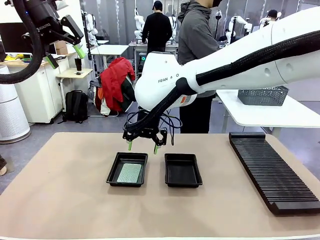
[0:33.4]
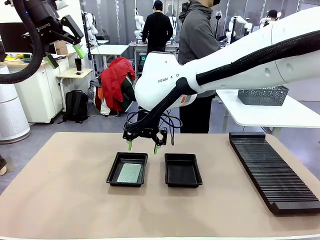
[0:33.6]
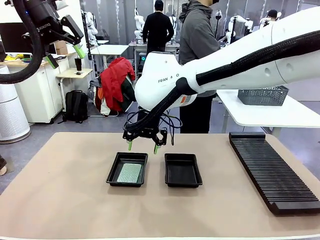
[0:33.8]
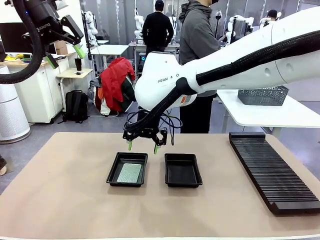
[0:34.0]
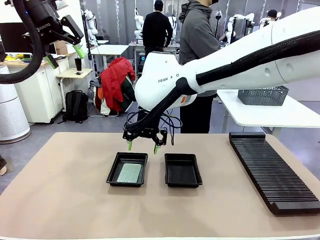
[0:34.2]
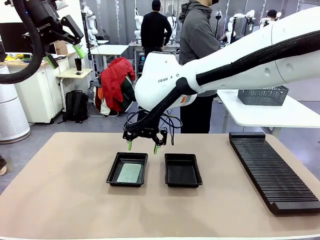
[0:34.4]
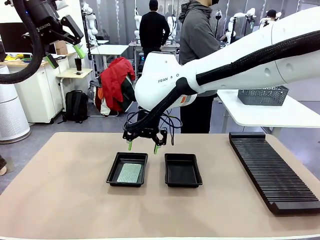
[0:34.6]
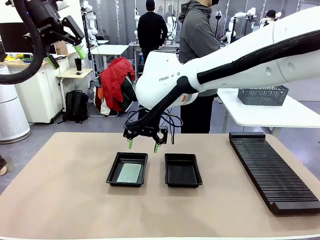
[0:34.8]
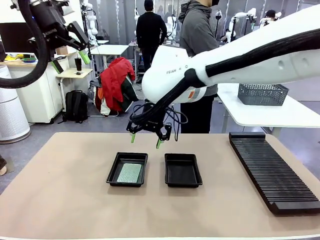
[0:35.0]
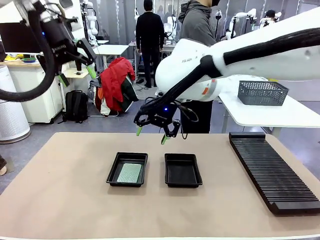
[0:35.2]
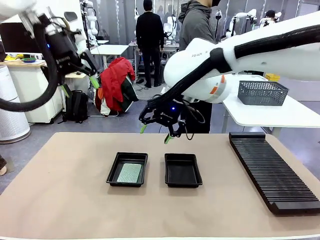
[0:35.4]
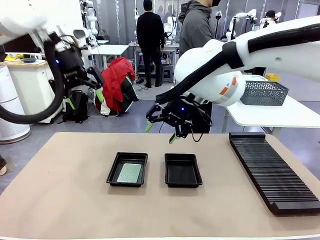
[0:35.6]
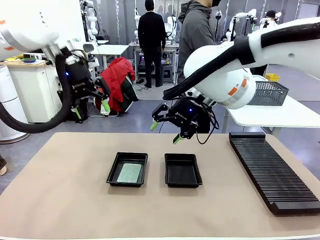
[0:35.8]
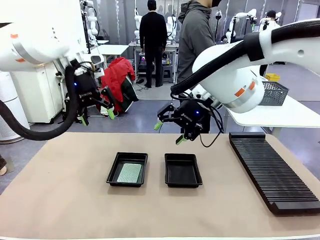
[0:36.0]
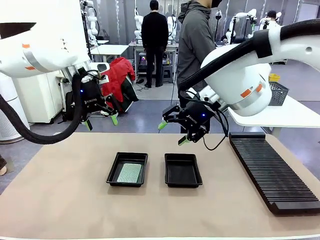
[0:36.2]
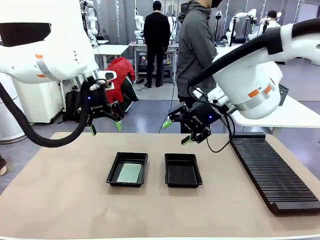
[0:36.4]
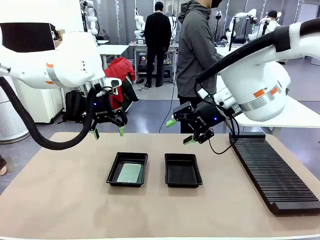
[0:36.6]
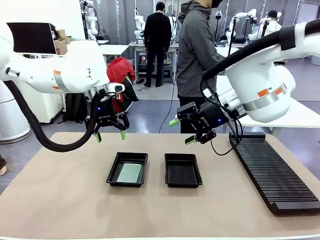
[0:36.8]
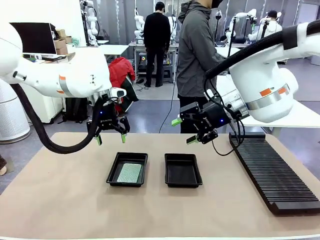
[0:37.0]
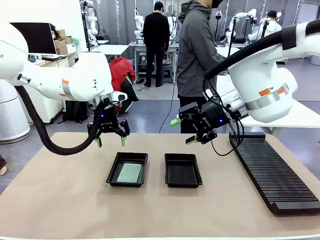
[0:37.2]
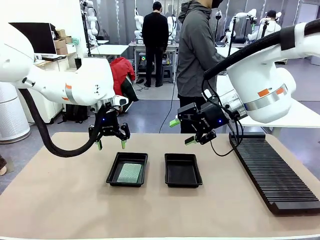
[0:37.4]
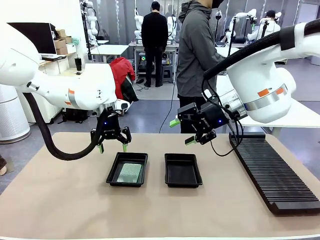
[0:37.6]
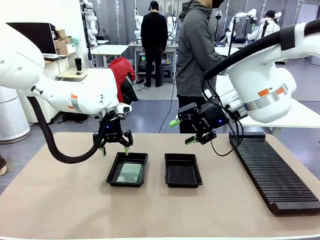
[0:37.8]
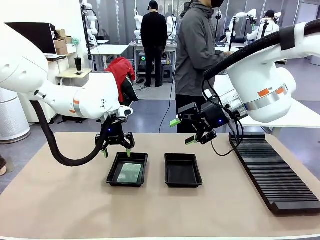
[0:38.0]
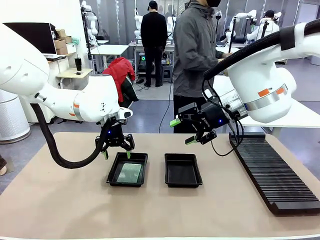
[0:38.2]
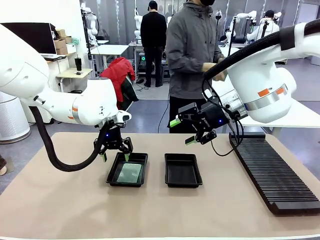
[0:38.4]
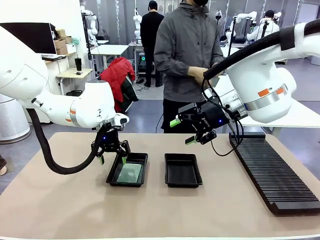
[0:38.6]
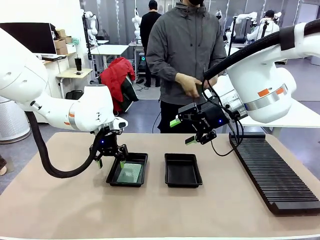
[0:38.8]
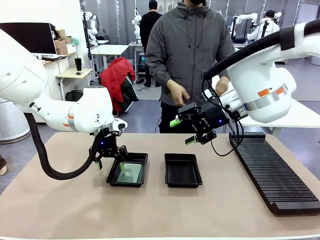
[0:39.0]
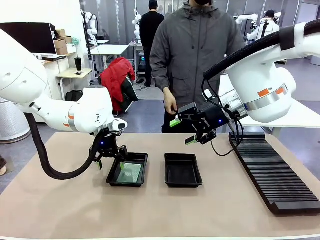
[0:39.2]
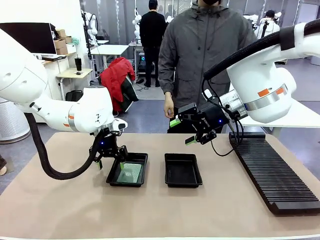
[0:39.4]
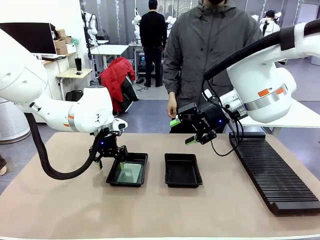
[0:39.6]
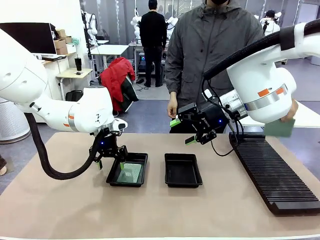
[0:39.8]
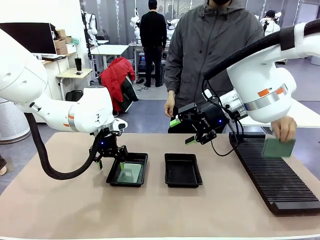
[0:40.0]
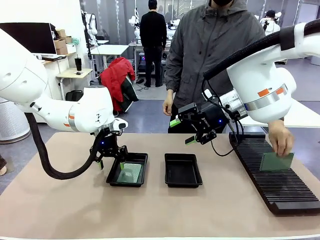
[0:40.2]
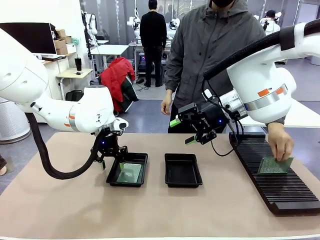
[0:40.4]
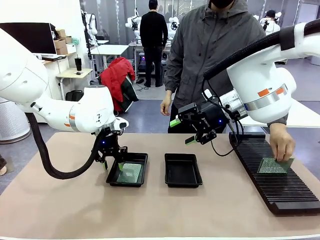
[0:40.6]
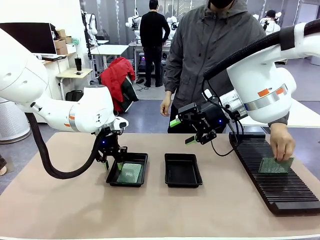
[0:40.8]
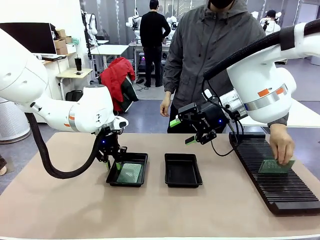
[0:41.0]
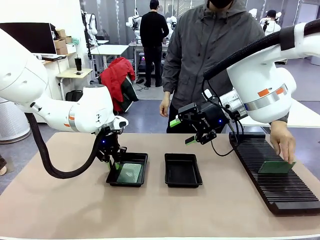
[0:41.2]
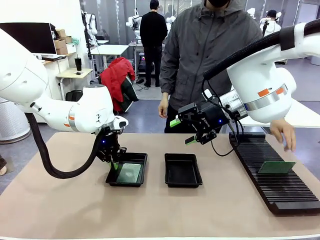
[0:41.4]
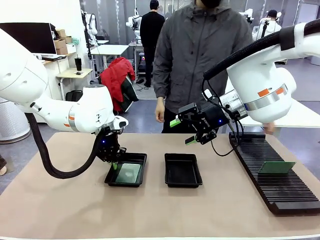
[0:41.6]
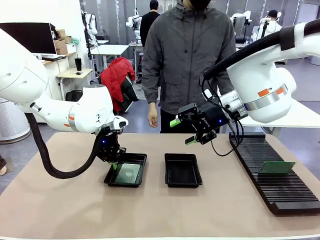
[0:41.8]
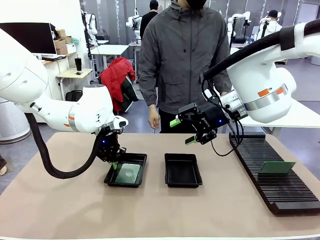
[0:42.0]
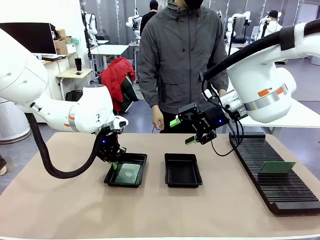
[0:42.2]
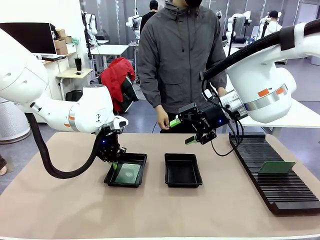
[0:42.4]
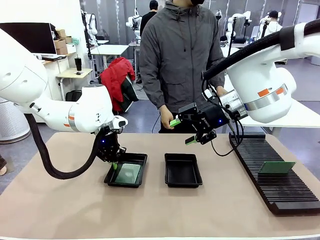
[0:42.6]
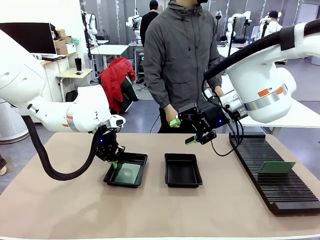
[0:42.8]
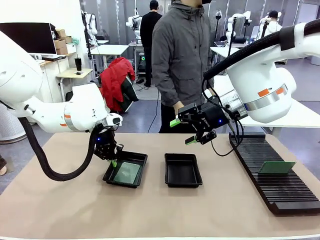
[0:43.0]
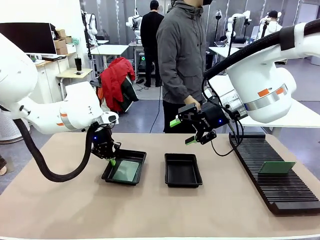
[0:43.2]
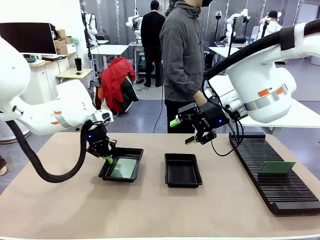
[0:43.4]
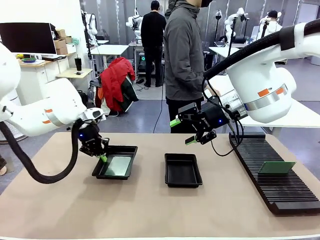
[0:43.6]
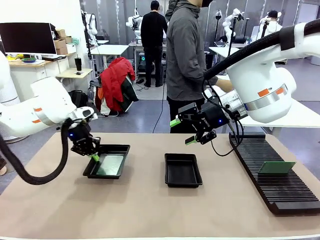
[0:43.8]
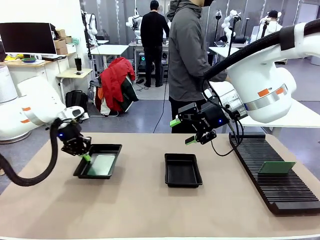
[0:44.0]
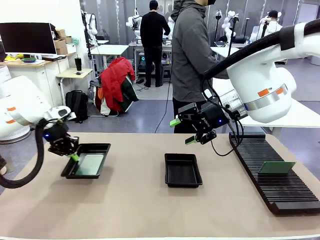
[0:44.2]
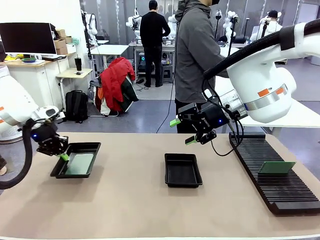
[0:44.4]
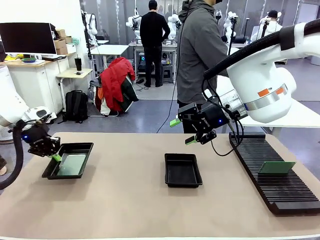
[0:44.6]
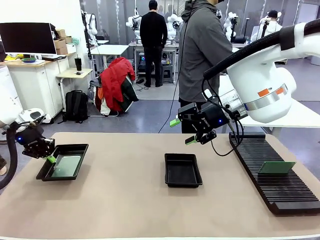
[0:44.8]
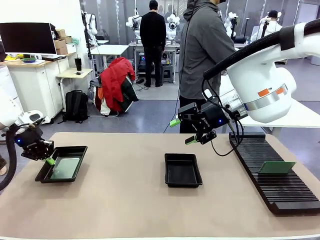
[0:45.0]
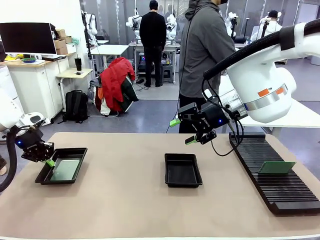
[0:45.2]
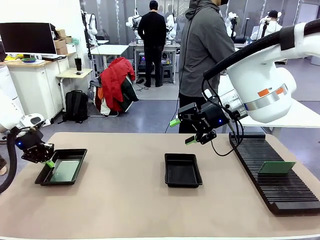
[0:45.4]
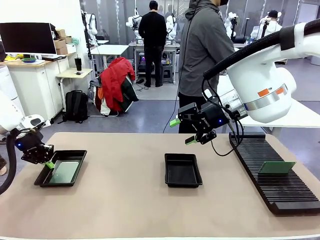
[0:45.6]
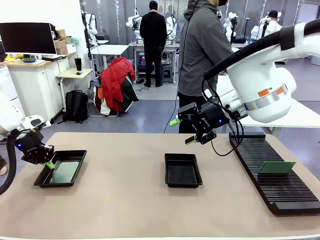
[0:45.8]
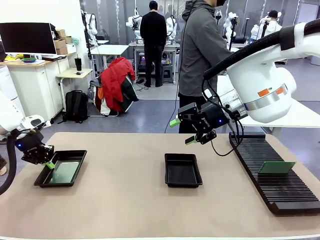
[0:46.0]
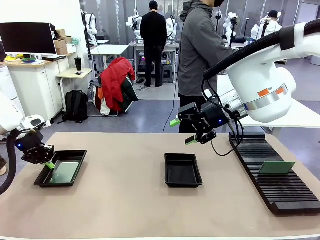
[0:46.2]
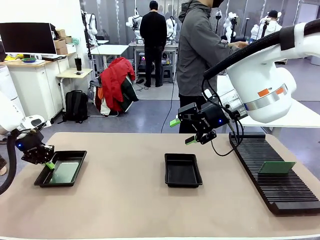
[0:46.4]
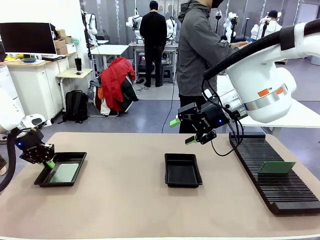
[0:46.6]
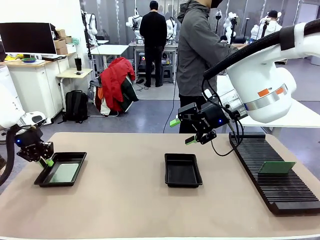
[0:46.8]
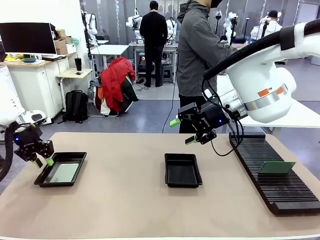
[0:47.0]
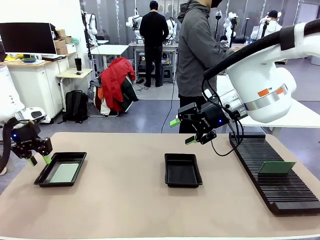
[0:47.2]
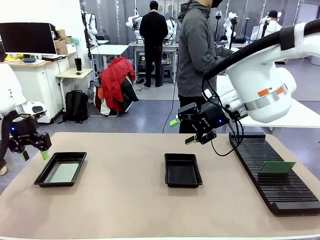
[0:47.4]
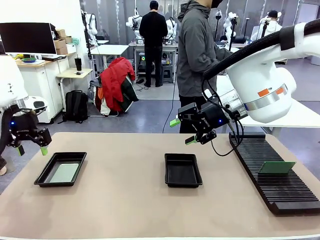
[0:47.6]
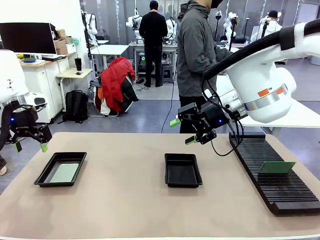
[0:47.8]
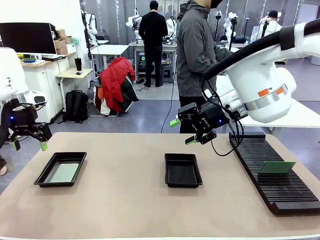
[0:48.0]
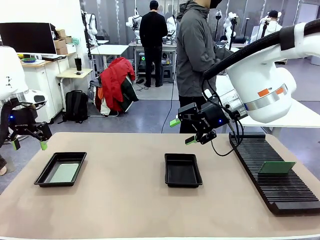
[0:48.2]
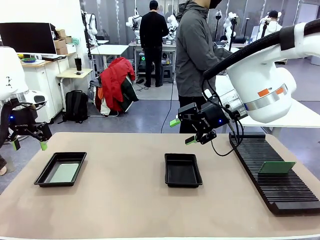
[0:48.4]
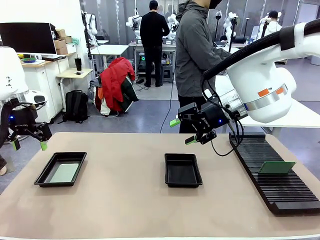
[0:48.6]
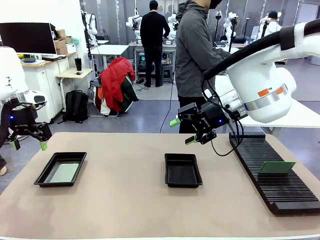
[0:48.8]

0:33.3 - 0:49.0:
Task: Inspect and transfer BCBs to ESD trays.
Robot: Pick up the ESD tray and place it on the left side of the table.
